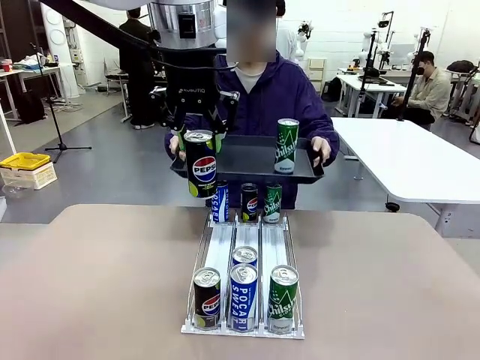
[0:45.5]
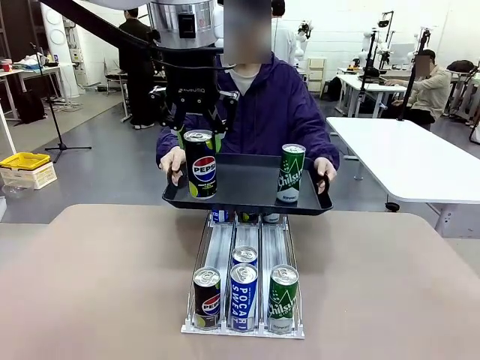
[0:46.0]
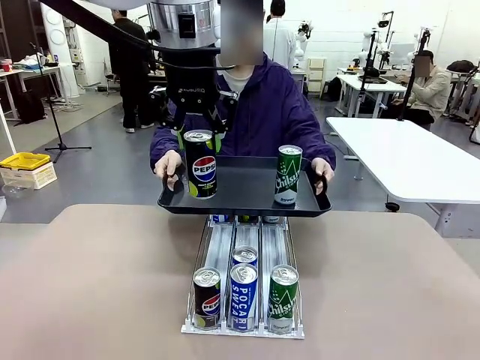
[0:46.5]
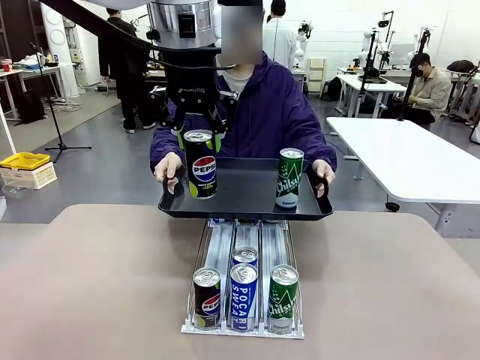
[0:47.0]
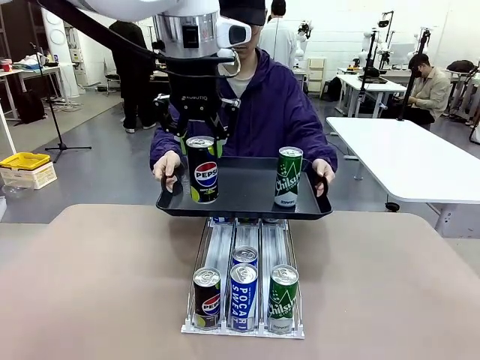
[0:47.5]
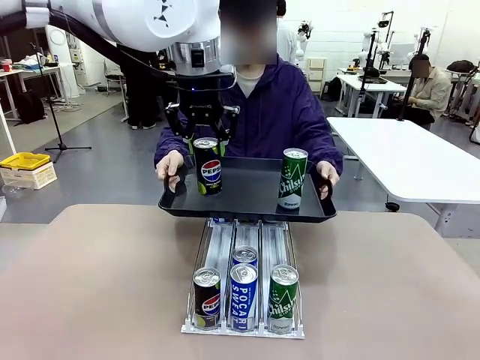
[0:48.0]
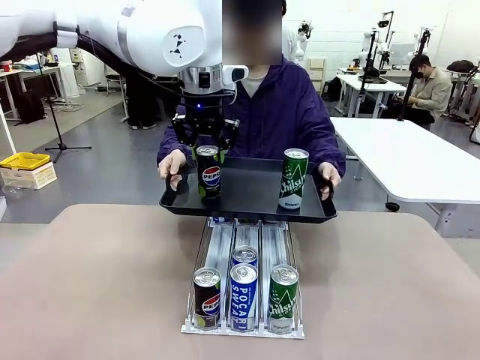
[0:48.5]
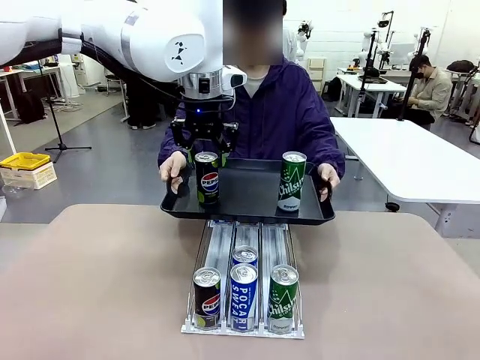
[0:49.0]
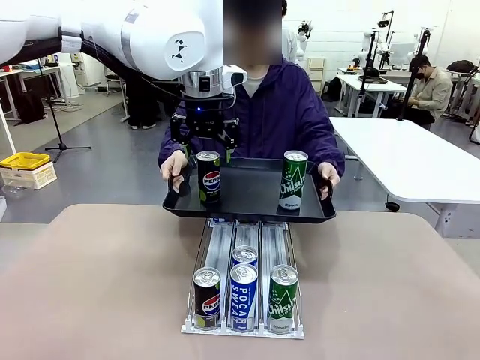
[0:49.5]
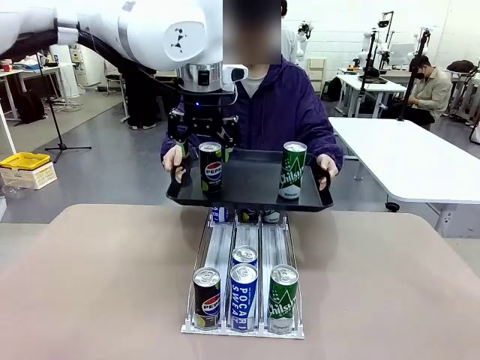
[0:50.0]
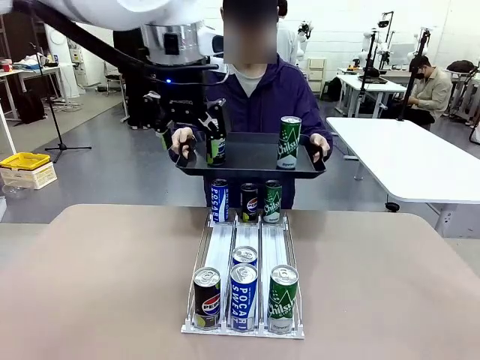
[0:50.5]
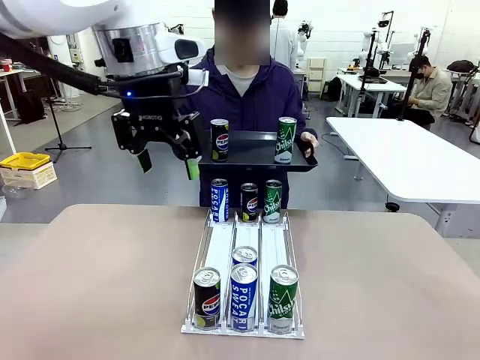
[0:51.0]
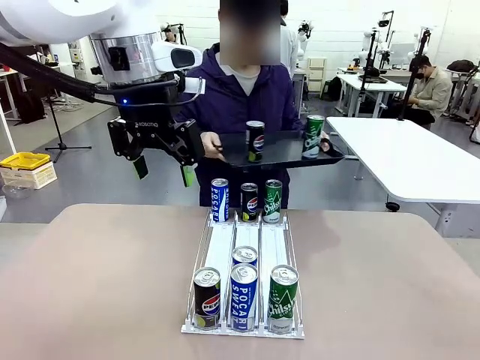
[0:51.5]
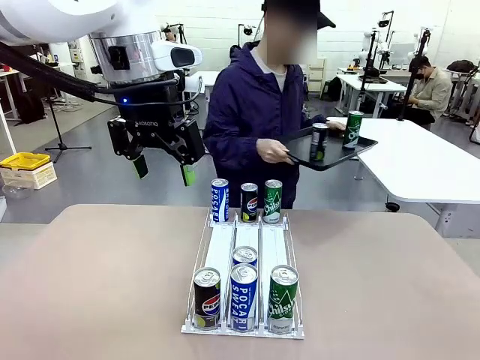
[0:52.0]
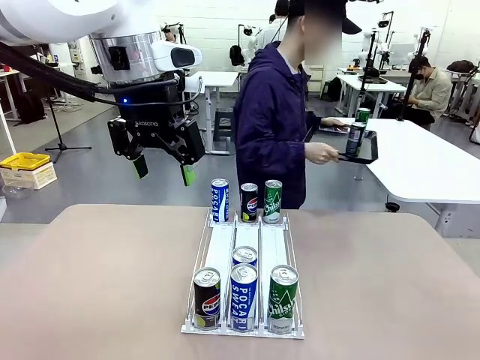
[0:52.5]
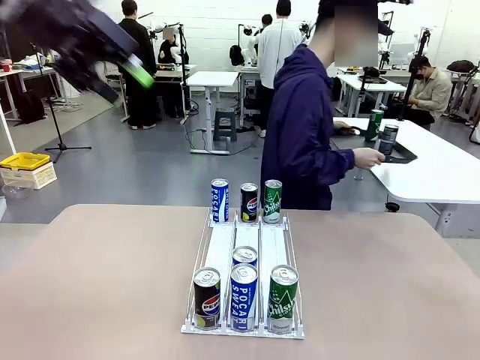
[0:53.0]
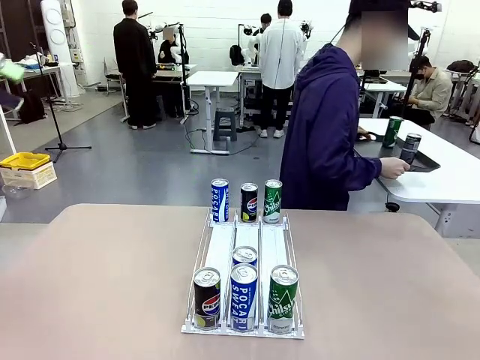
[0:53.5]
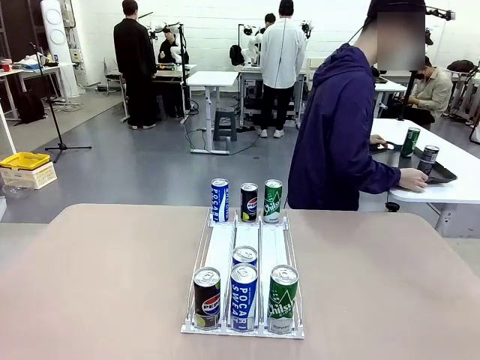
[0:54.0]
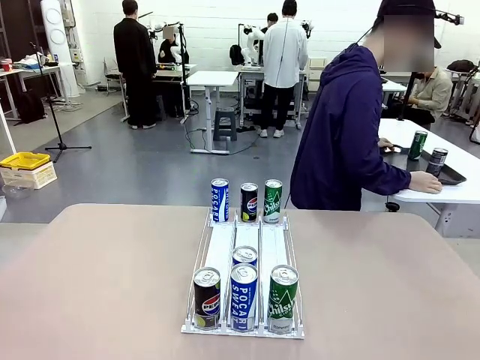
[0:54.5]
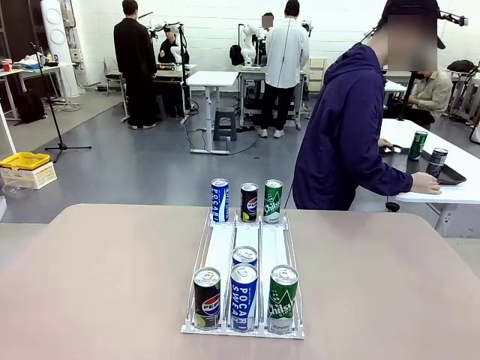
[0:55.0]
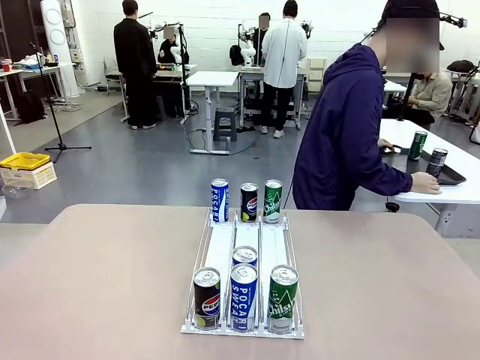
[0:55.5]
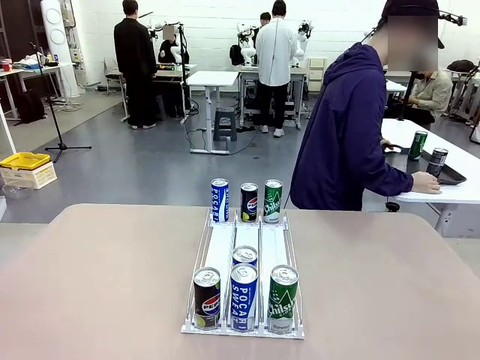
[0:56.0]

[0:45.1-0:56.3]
Task: Retrieve and hand over the desired beverage to the person.
Robot: Place the picked can on the Handle tray extended by the person.
Person: Pull the tray back and place it at the center of the human table.

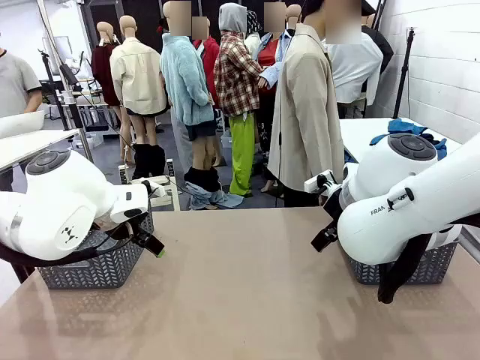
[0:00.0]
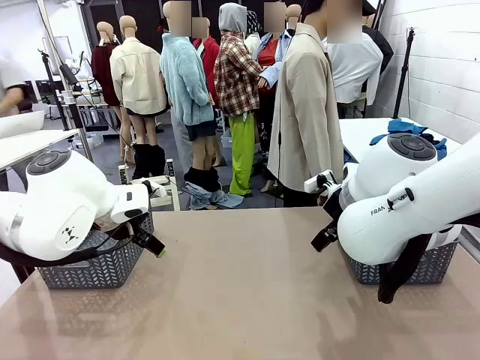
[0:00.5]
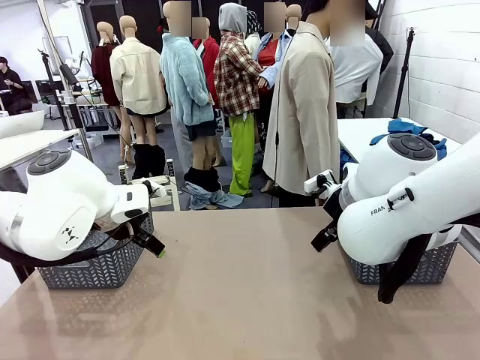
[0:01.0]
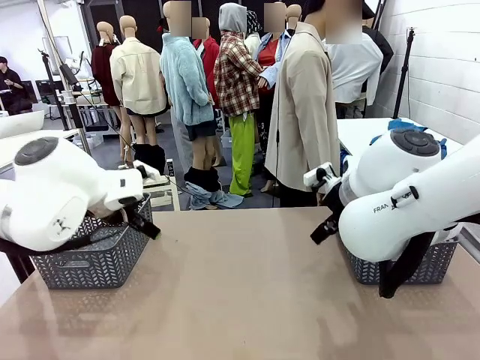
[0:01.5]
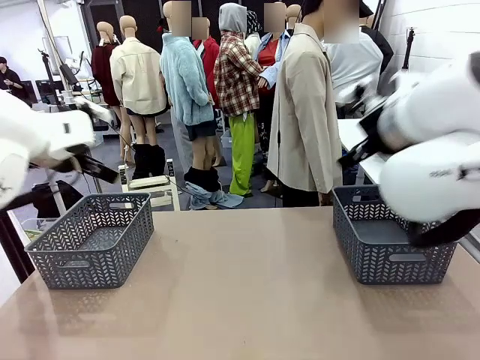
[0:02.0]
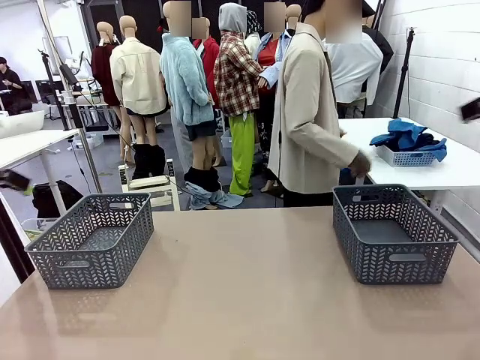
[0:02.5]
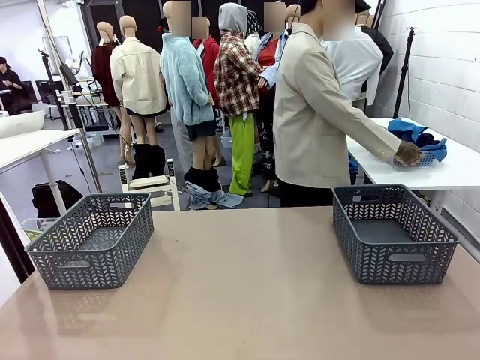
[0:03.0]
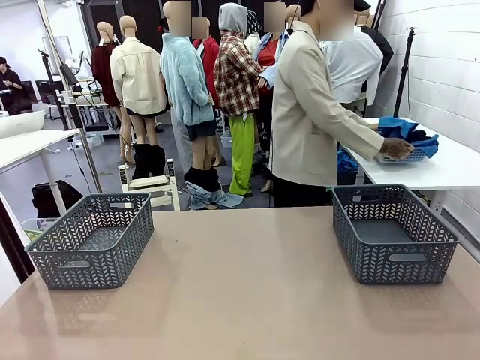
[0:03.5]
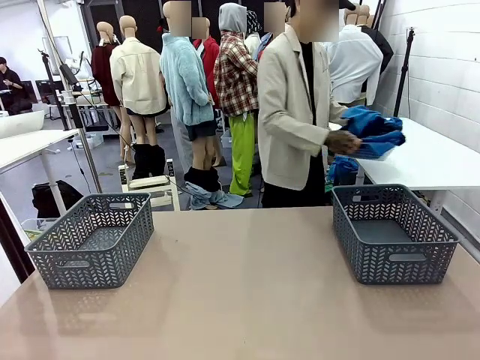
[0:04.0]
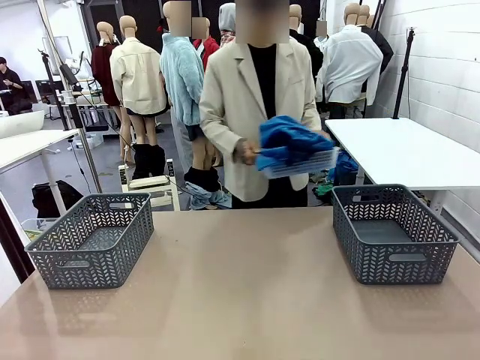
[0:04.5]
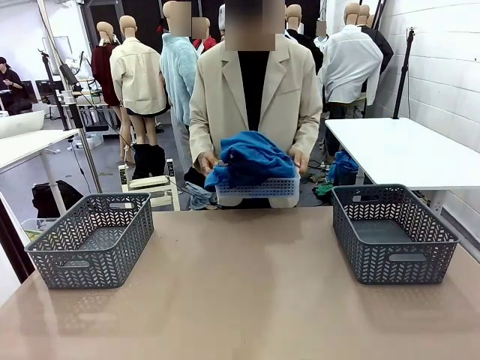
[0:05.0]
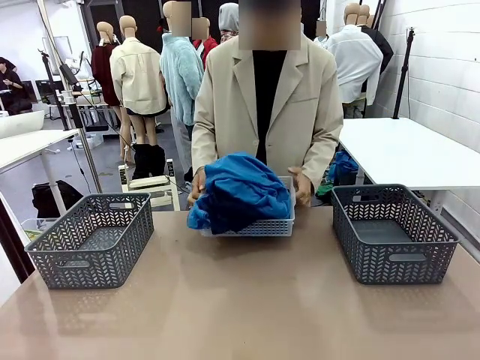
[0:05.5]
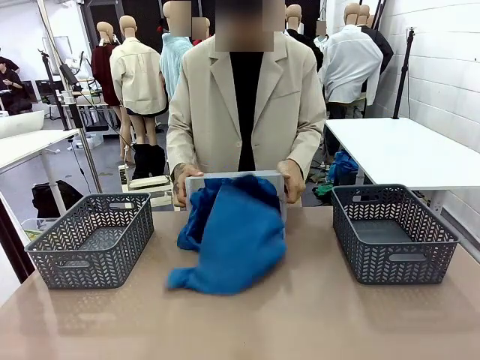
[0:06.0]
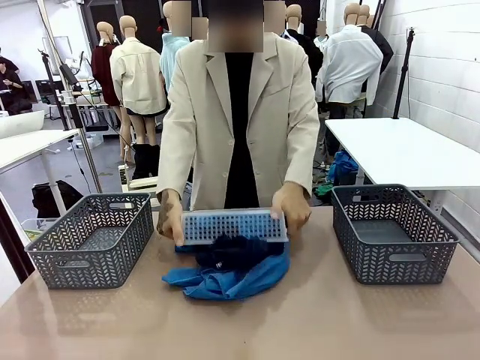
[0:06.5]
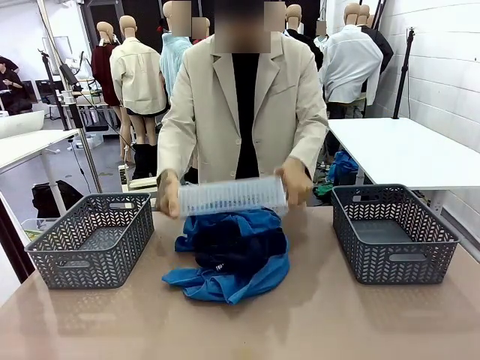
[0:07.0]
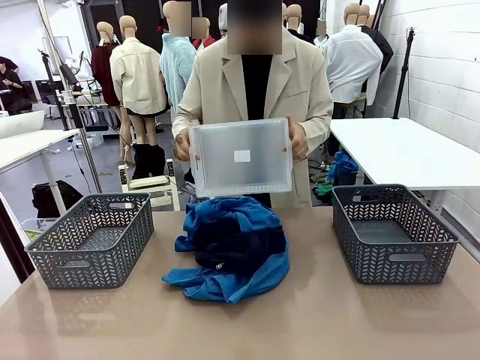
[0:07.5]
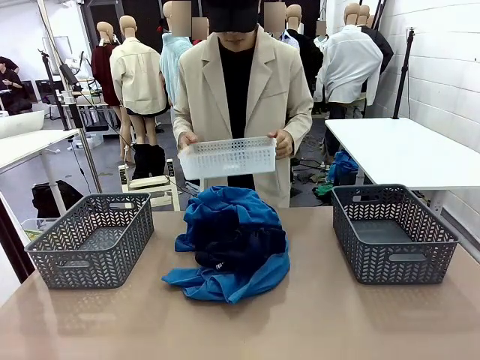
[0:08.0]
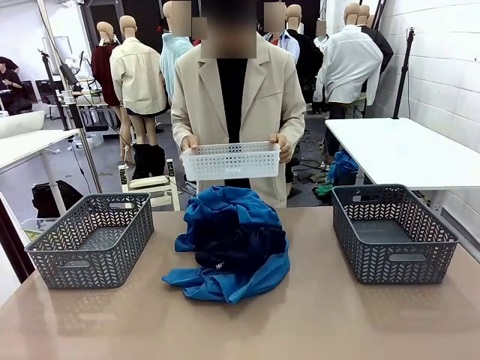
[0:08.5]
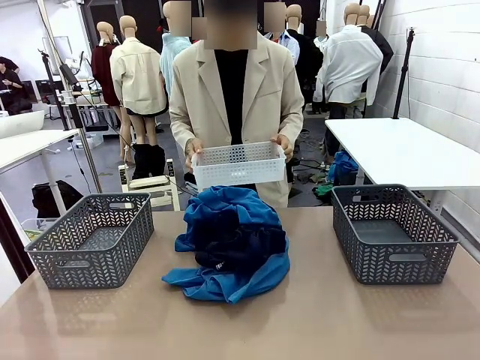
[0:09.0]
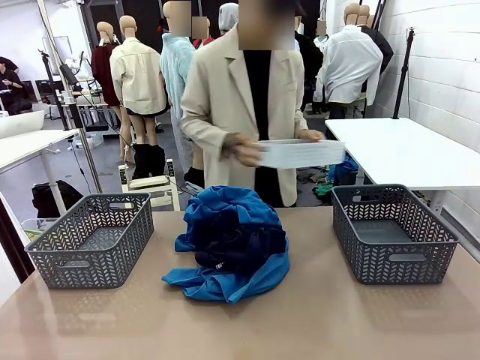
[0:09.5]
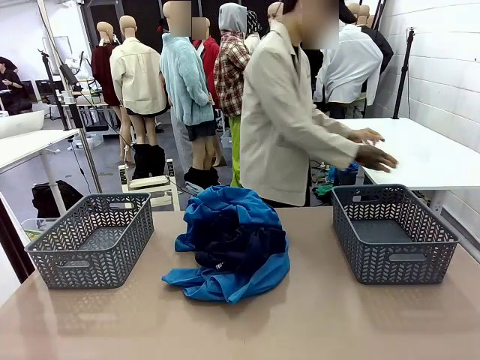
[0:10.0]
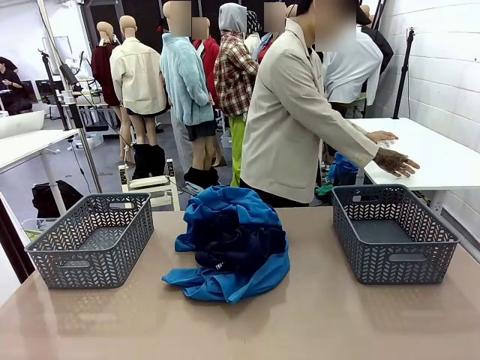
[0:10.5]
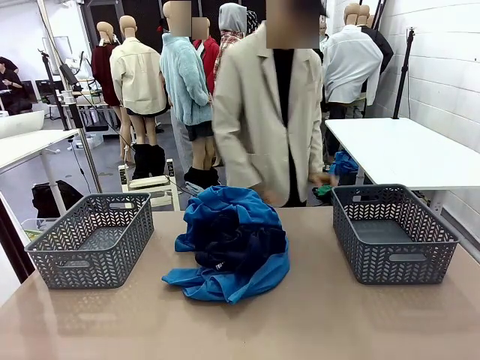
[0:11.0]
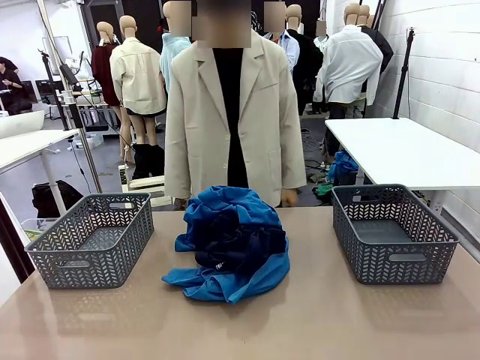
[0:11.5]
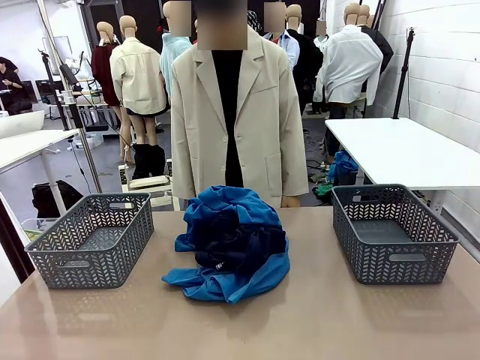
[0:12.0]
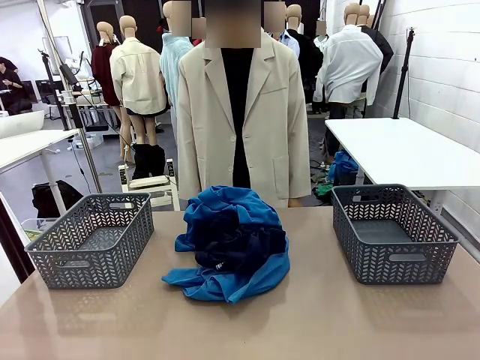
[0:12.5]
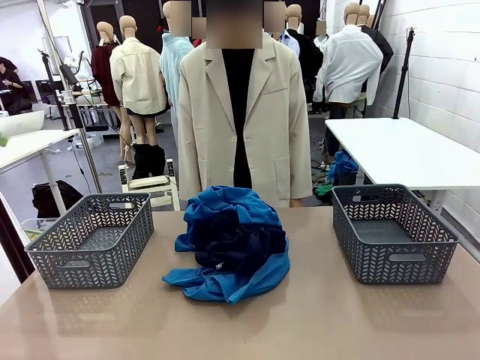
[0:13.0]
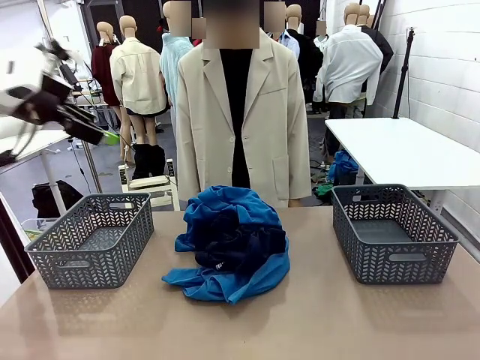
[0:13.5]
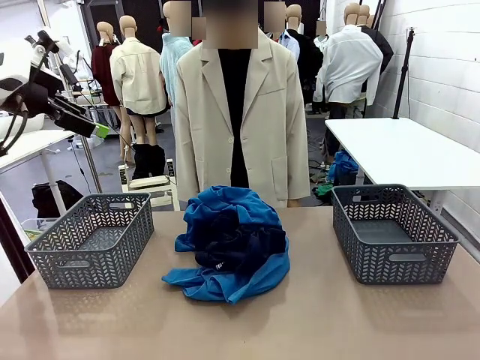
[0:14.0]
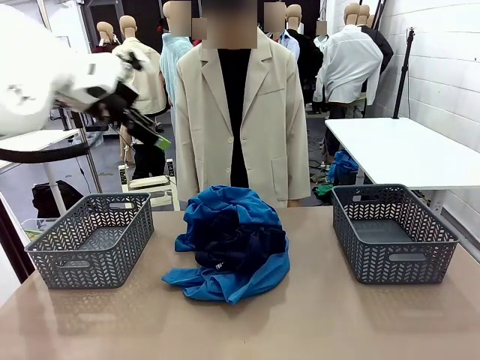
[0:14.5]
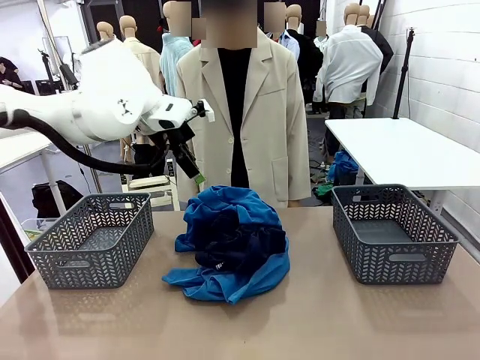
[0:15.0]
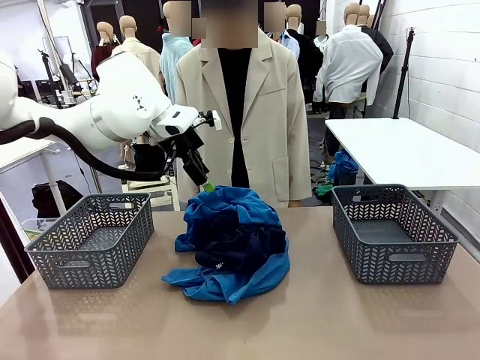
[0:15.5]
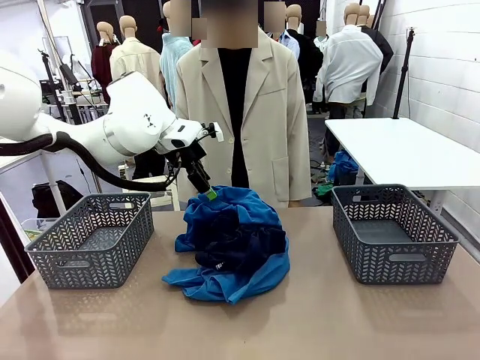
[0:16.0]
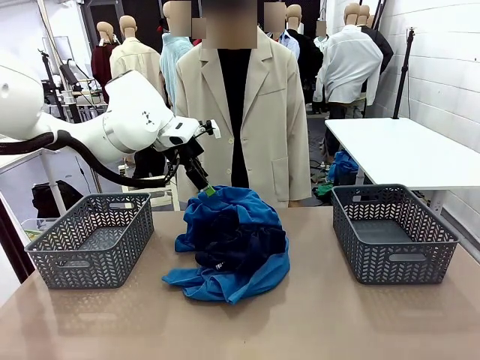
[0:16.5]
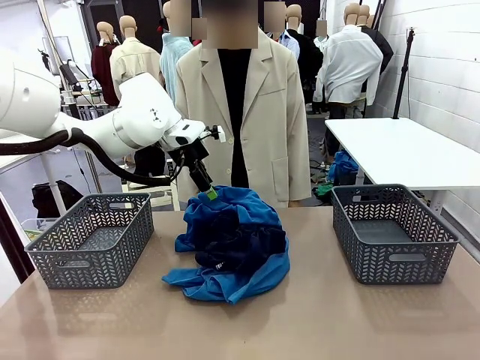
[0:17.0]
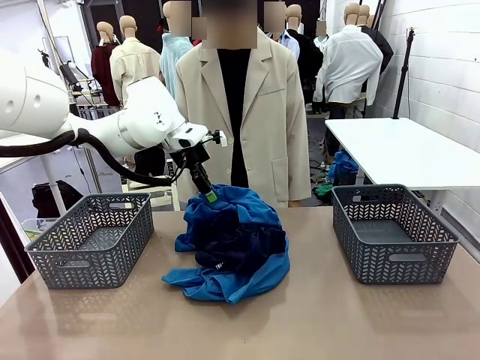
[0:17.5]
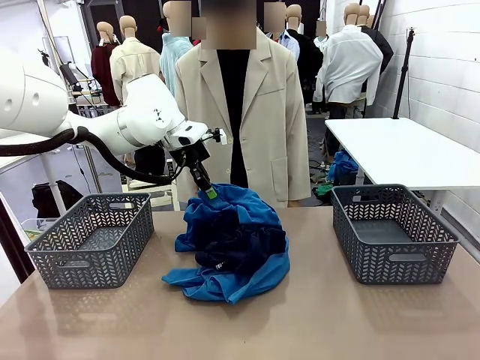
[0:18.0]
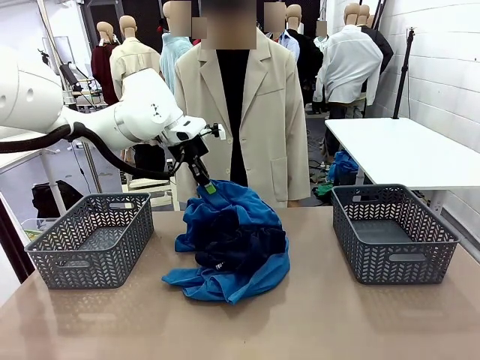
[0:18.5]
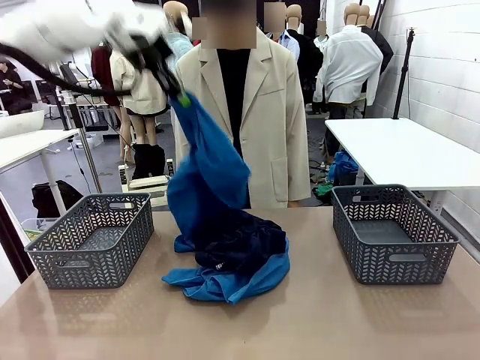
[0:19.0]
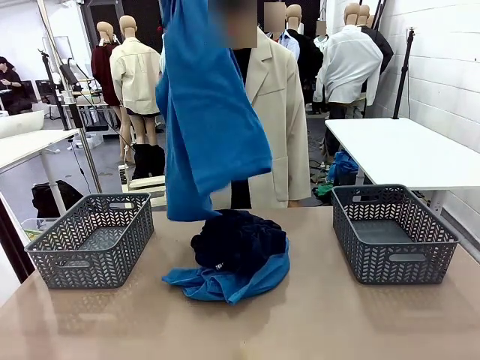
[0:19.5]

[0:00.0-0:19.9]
Task: Sort the tops and bottoms.
Robot: Lift clothes from the center of the table with your left hand.
Person: Pour the clothes from the basket onto the center of the robot table.
